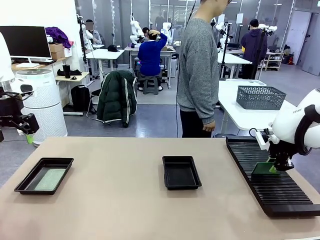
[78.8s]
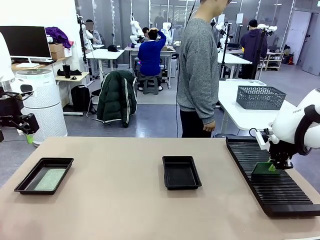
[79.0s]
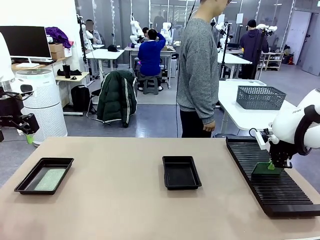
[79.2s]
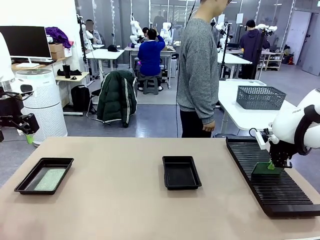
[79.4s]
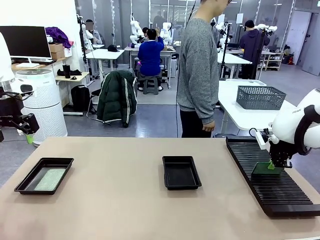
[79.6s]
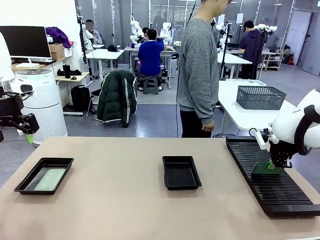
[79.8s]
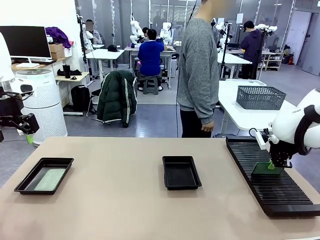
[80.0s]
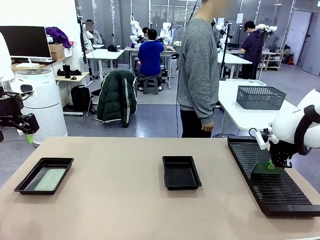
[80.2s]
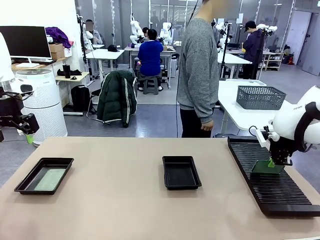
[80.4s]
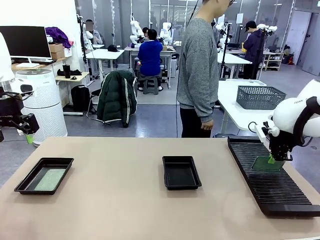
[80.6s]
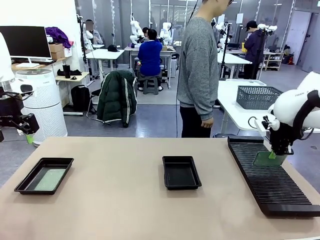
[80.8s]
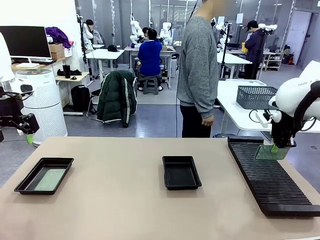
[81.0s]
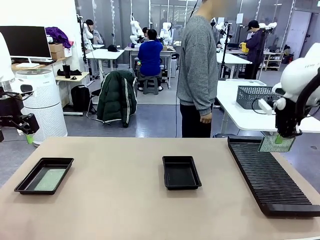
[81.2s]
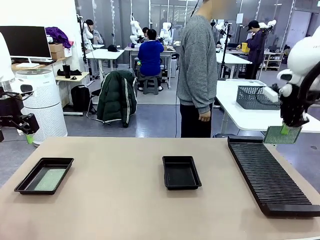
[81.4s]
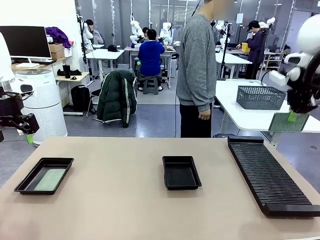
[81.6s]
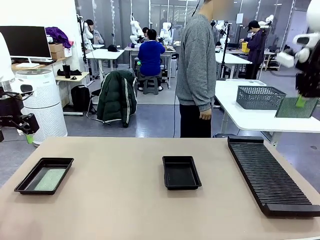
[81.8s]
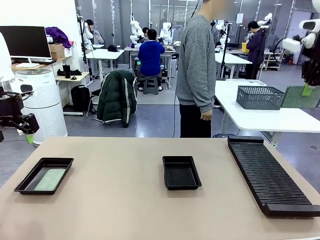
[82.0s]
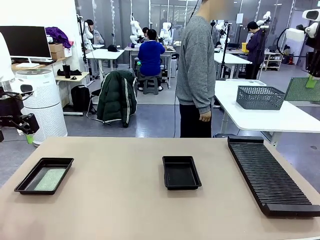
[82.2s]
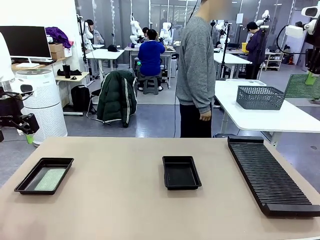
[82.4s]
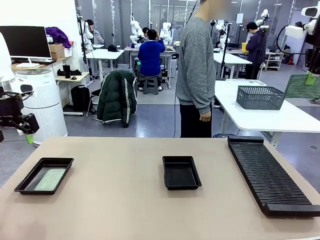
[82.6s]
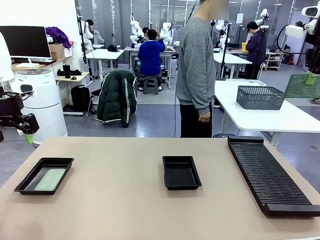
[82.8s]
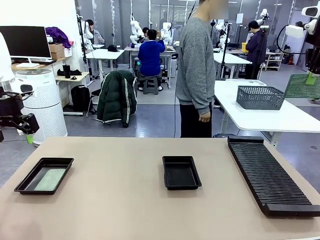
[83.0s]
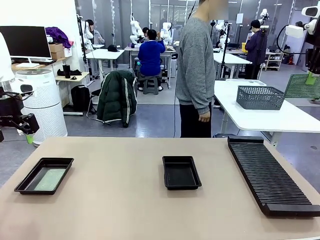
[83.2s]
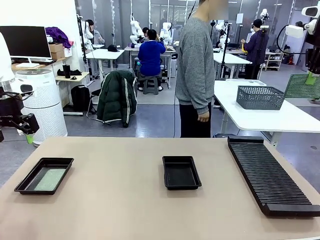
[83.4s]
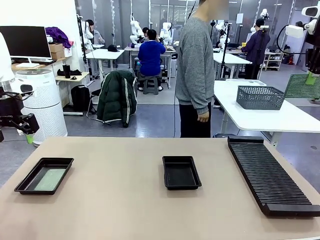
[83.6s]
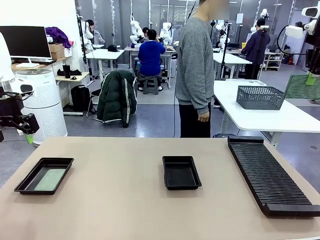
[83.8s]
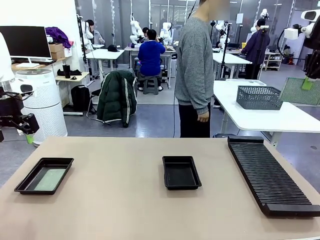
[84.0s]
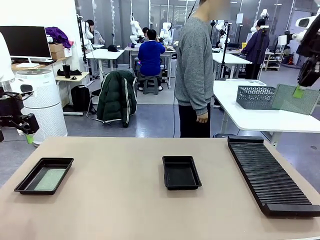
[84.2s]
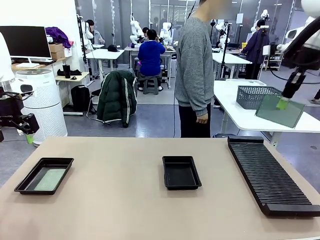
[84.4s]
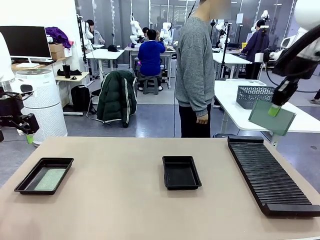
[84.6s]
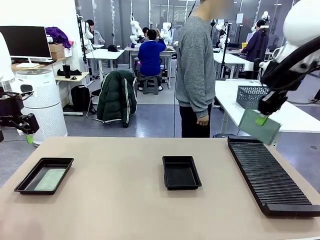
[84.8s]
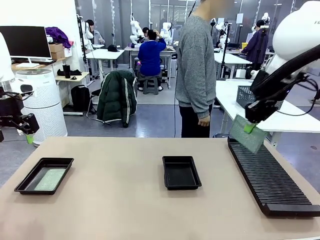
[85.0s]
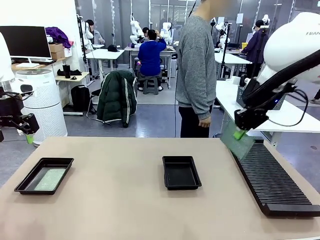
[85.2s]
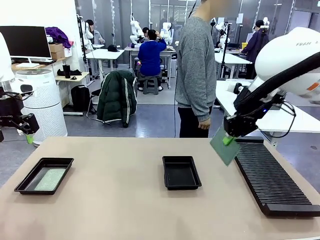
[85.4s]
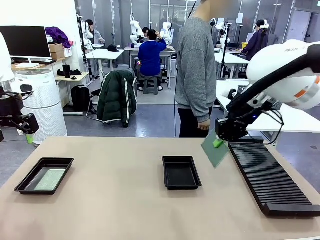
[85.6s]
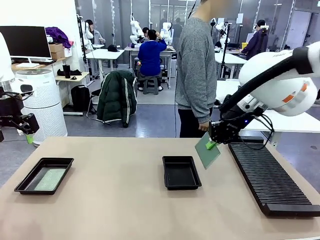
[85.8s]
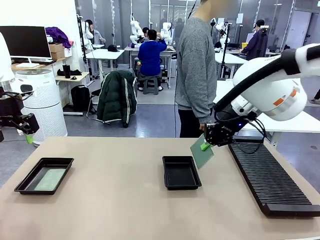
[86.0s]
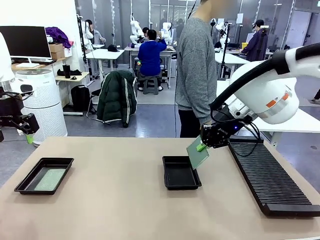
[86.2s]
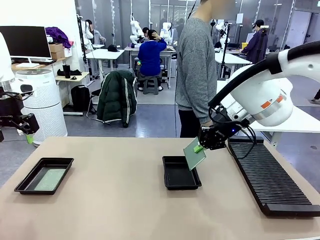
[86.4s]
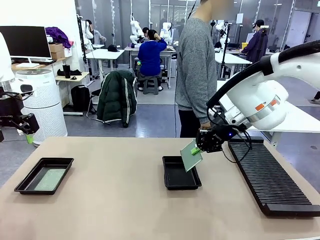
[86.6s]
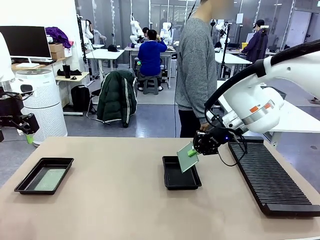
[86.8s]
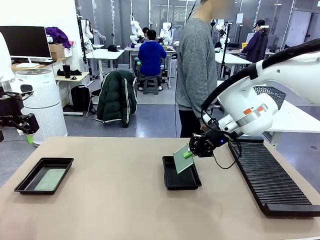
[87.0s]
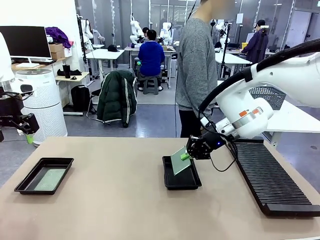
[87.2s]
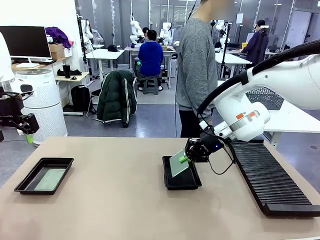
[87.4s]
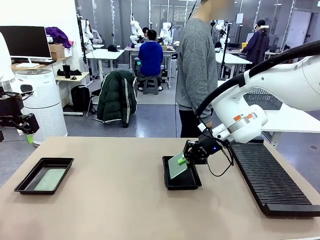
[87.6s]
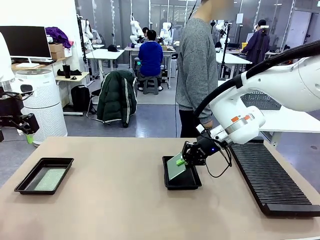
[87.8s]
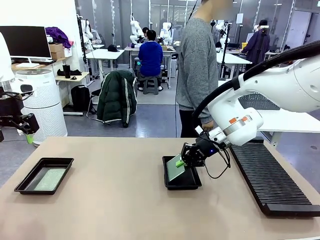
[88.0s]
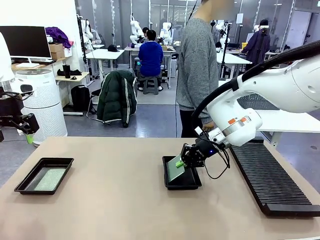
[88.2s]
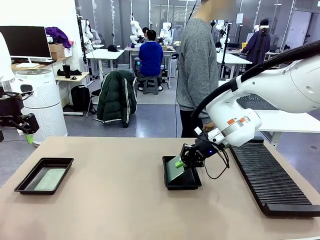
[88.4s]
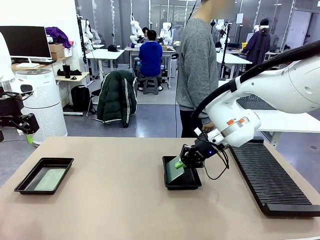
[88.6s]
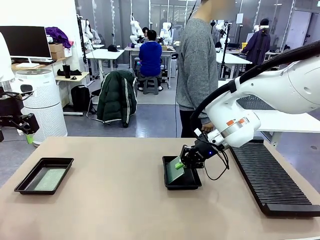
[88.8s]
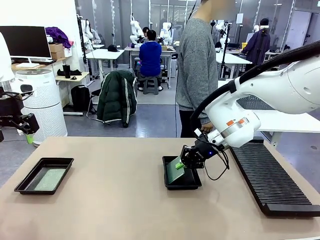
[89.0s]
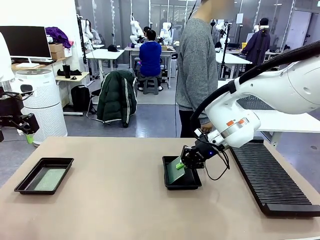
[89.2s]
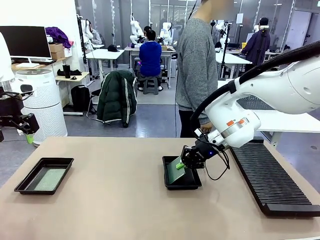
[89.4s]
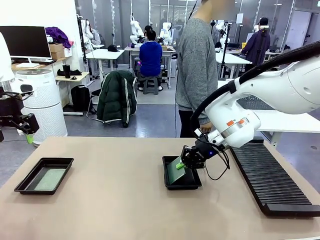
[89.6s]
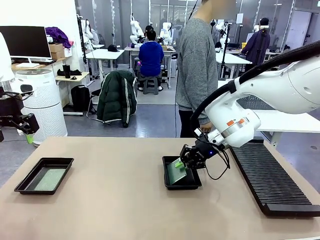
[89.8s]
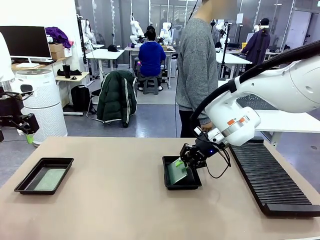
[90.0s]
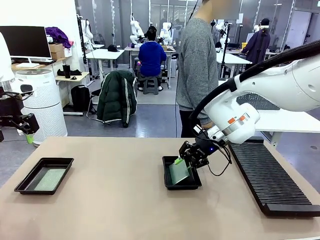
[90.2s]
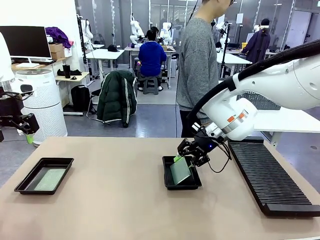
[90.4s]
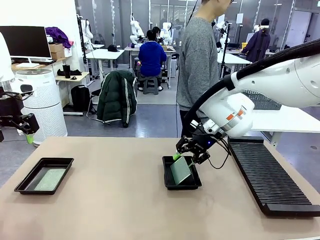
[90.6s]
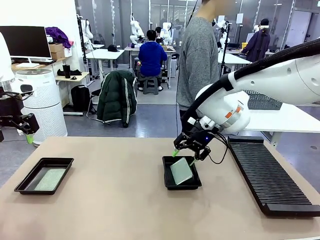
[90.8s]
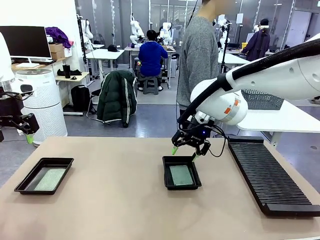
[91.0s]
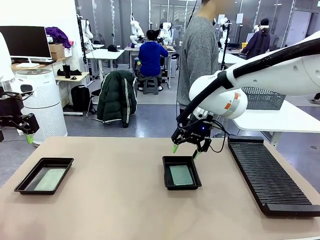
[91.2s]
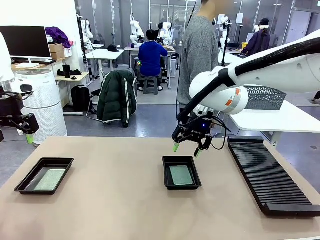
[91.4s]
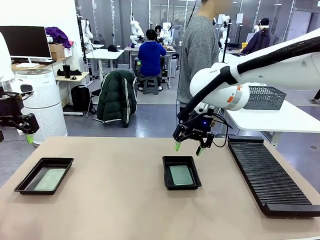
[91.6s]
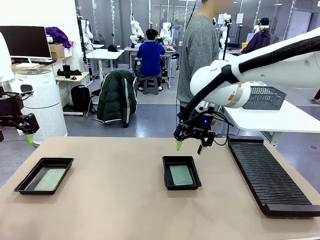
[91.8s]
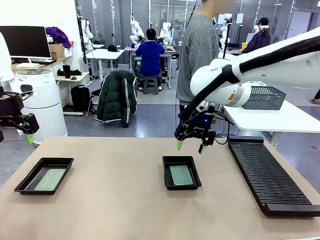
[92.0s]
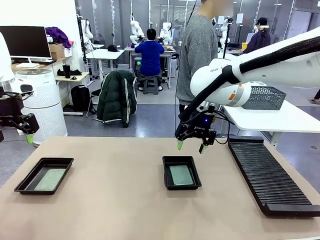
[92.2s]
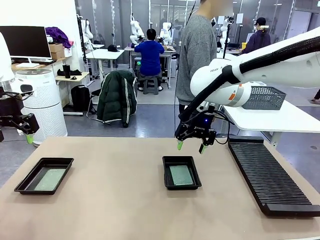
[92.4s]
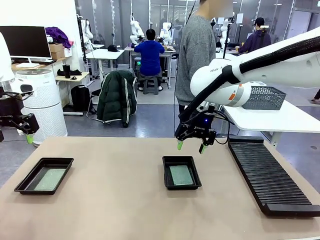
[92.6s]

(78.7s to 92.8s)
Task: Inspect and transfer BCBs to ESD trays.
Robot: Pick up the Blank PCB from the PCB Rack and place it in the right ESD tray.

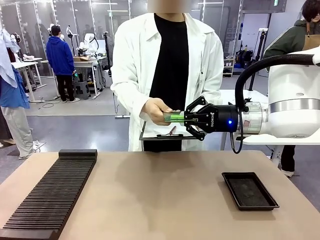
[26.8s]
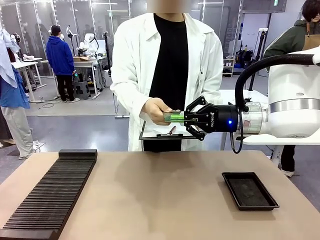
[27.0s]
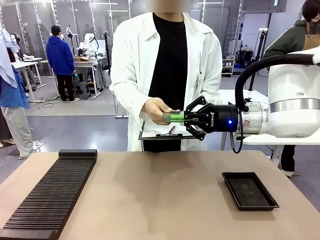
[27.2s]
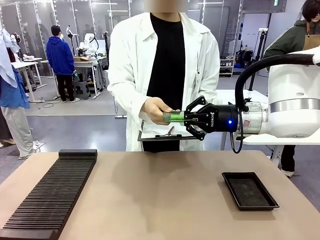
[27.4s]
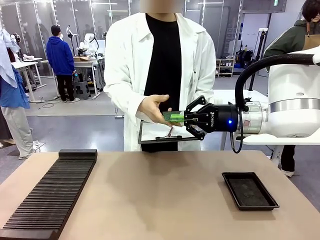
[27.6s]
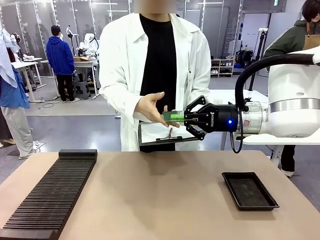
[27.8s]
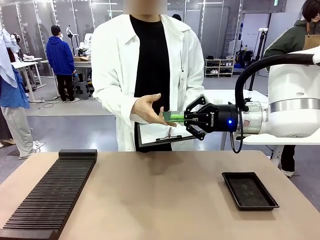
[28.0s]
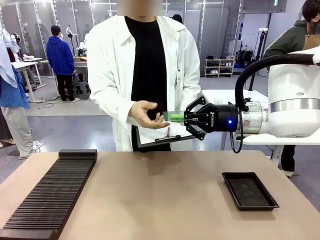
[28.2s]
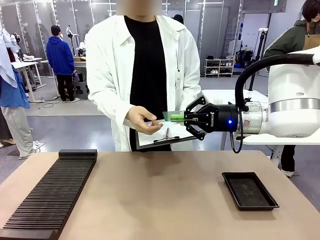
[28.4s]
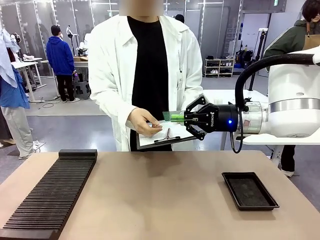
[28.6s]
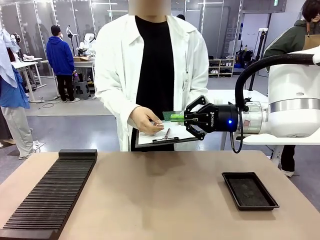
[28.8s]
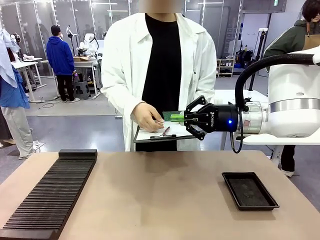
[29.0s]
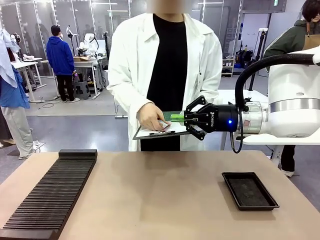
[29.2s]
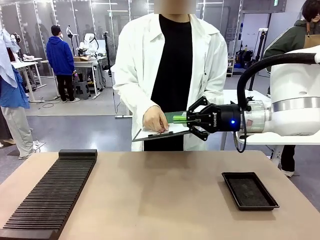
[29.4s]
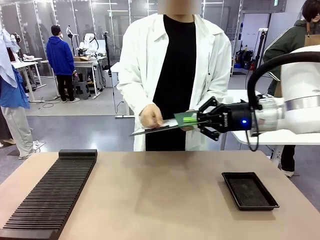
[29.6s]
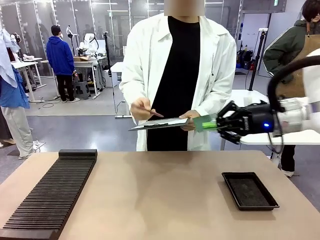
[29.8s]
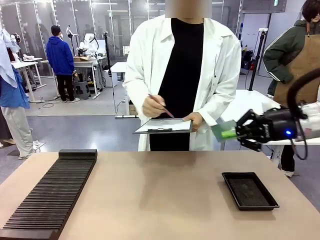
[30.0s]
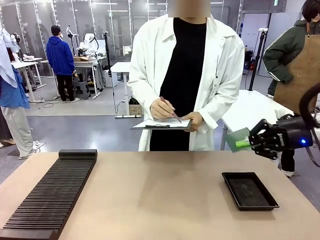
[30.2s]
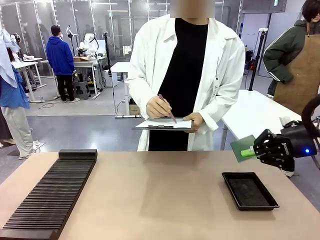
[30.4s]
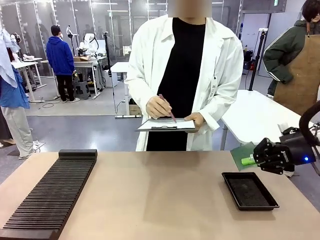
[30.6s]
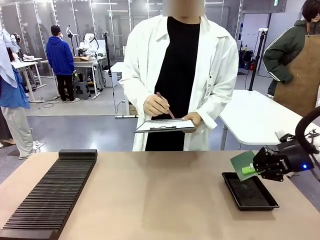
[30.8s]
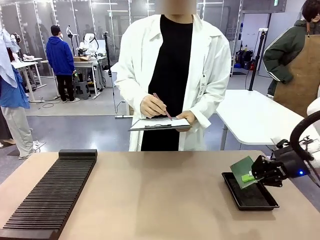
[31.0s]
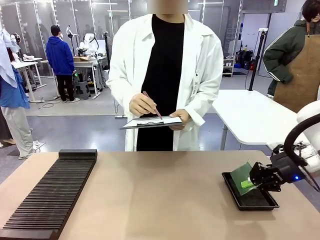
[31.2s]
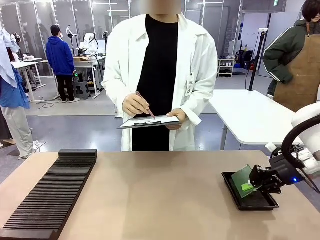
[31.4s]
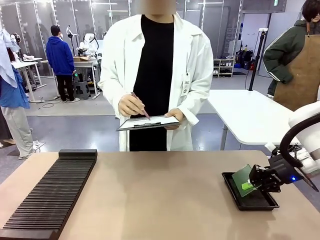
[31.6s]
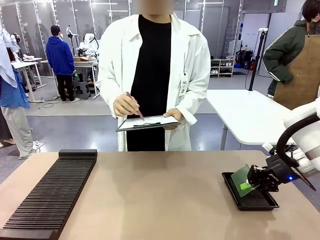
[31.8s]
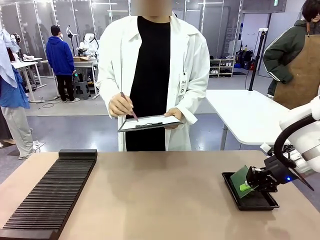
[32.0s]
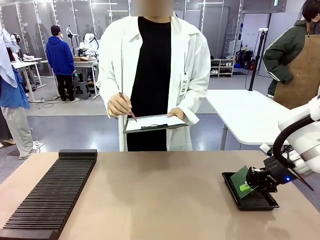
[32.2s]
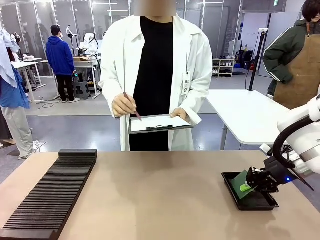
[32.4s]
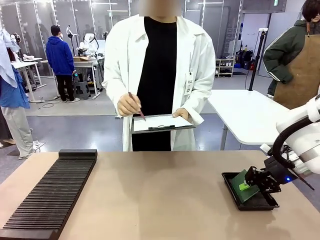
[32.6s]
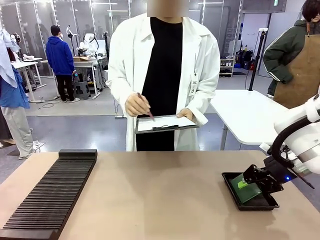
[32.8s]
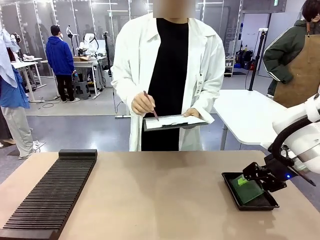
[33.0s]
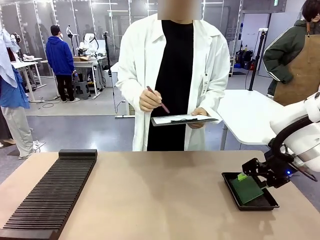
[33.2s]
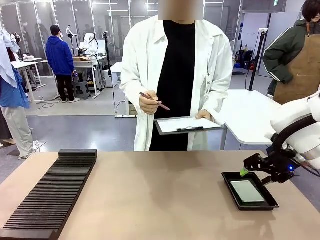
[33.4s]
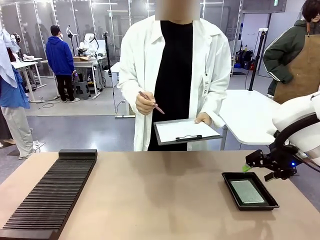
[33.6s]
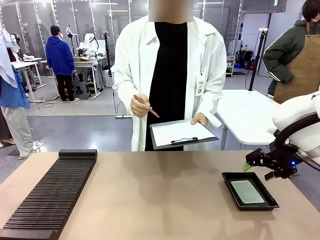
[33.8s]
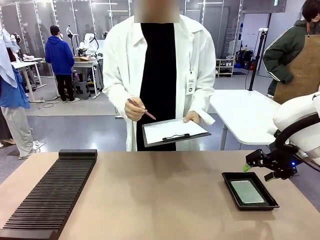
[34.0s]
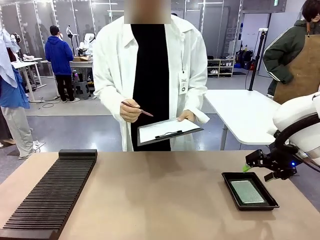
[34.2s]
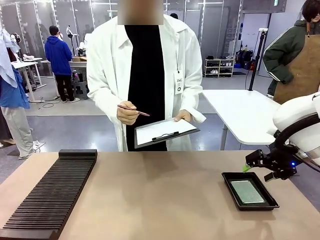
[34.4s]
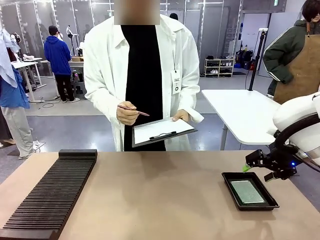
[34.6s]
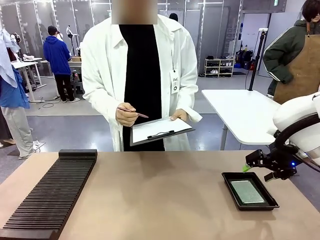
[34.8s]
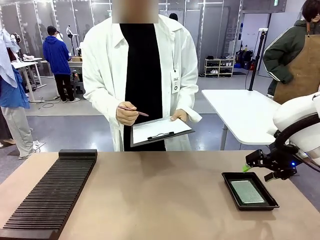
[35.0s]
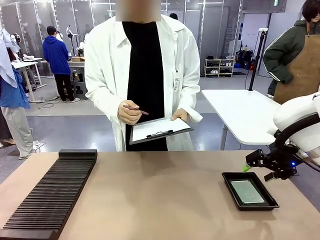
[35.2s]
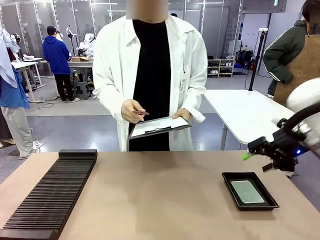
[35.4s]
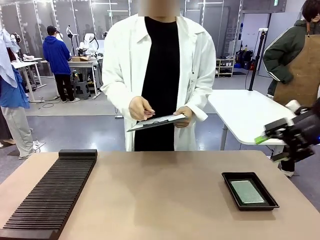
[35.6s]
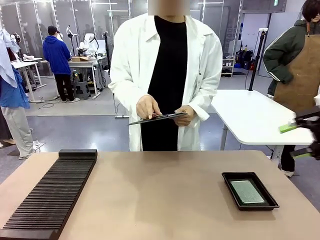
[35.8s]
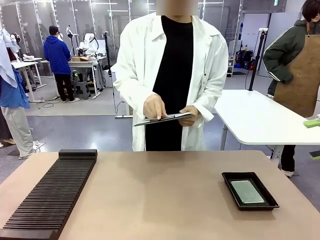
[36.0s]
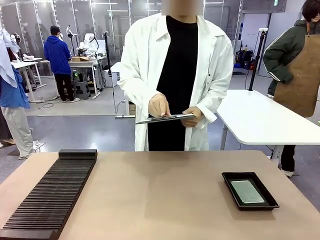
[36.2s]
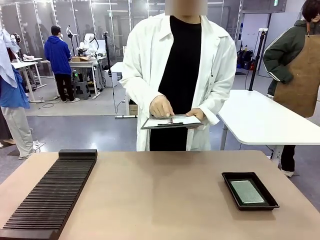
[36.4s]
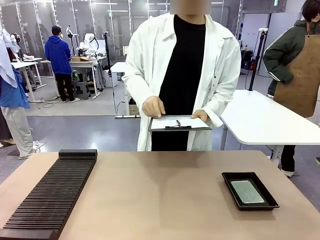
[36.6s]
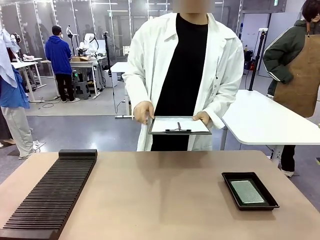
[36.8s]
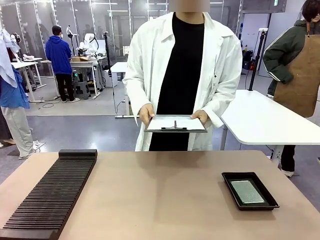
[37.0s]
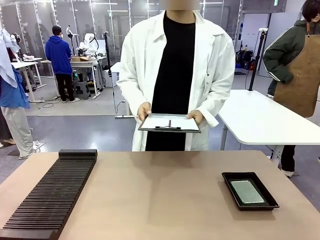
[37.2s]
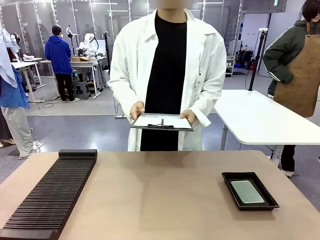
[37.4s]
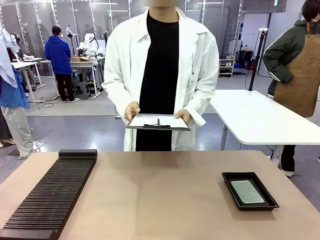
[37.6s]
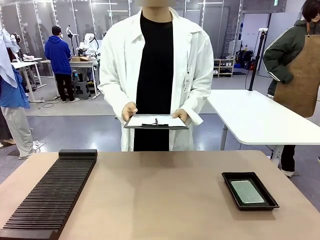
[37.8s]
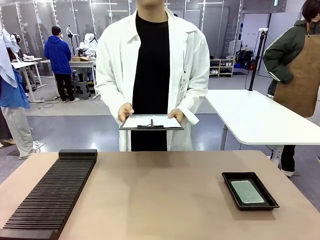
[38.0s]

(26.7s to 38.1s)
Task: Inspect the PCB.
Robot: Place the Blank PCB in the ESD tray.
Person: Record the PCB status on the paper.
